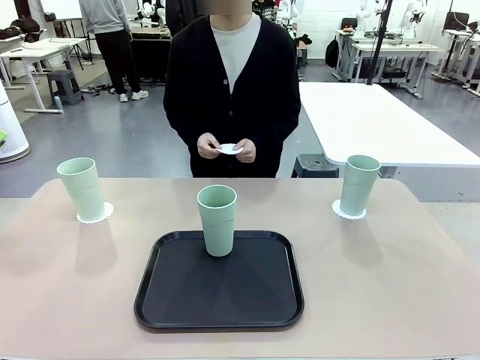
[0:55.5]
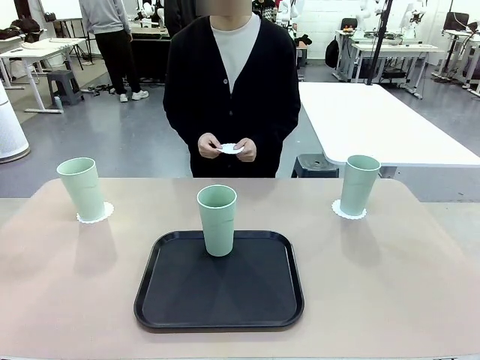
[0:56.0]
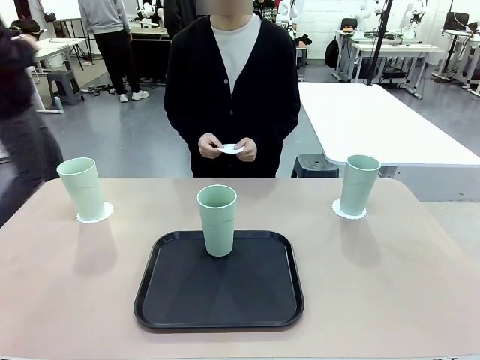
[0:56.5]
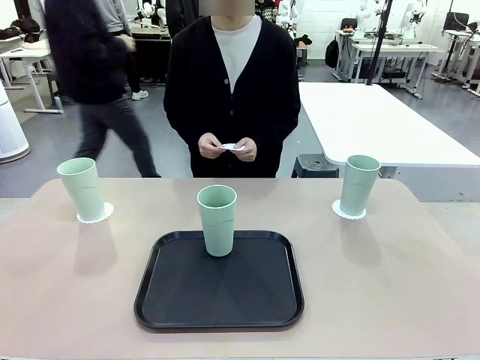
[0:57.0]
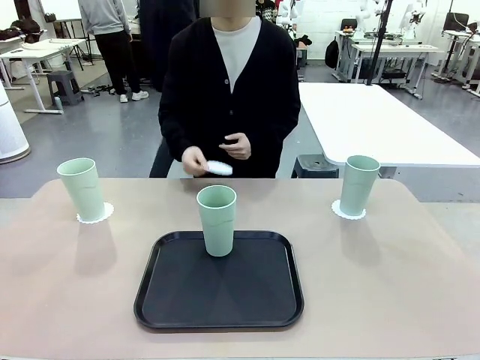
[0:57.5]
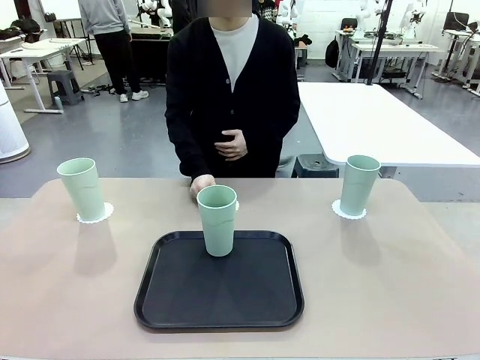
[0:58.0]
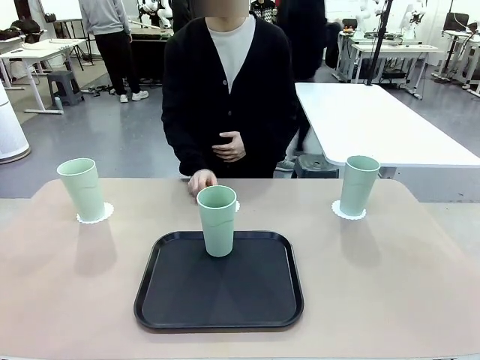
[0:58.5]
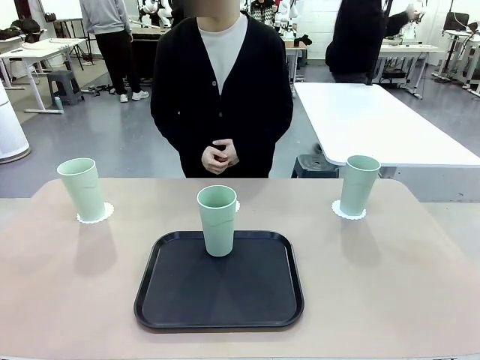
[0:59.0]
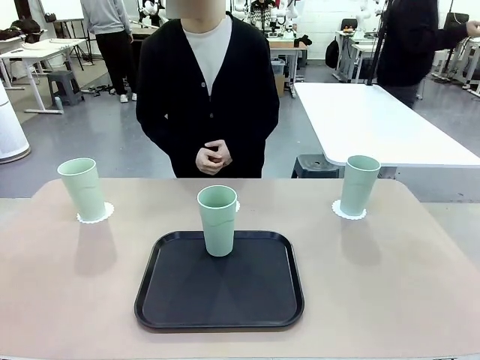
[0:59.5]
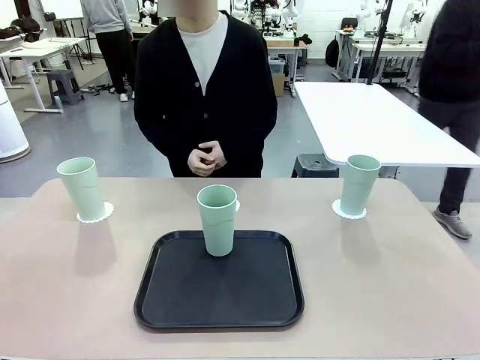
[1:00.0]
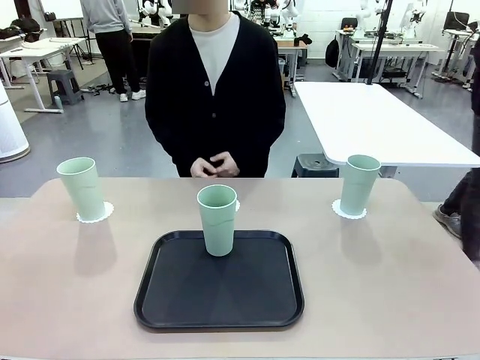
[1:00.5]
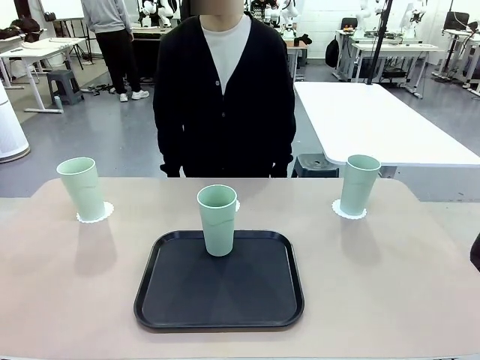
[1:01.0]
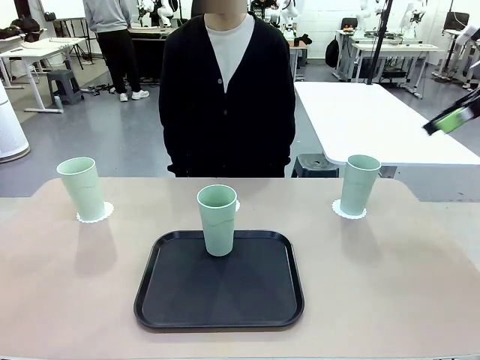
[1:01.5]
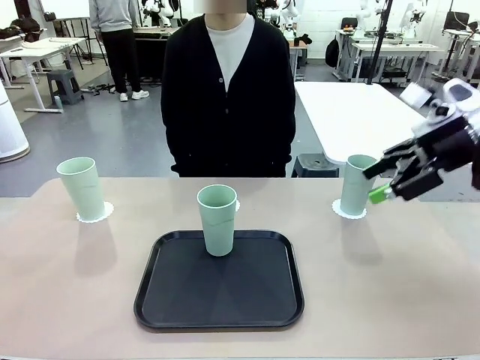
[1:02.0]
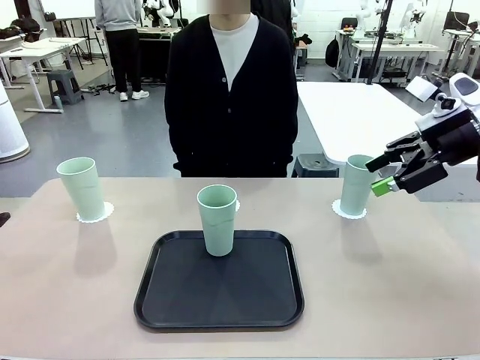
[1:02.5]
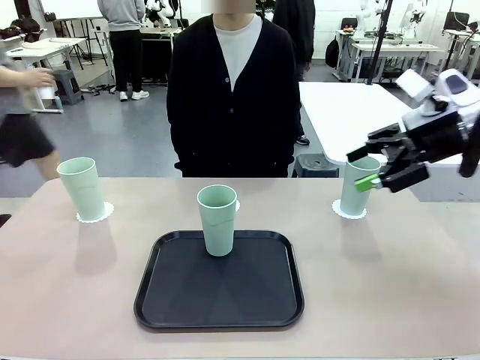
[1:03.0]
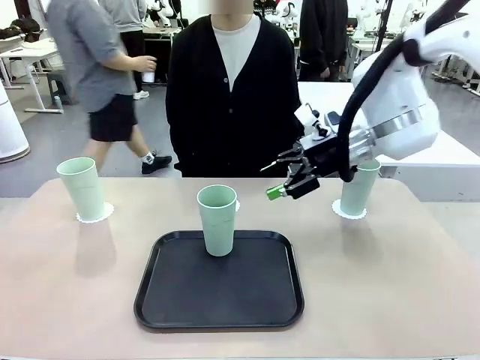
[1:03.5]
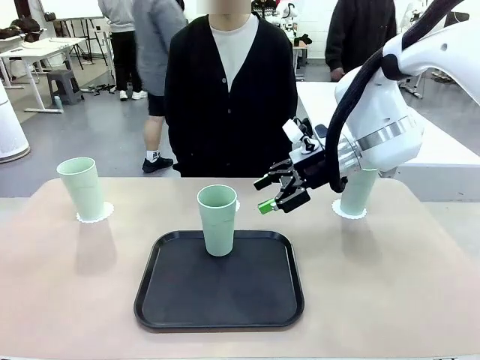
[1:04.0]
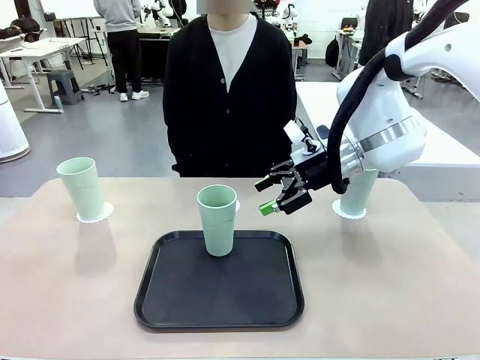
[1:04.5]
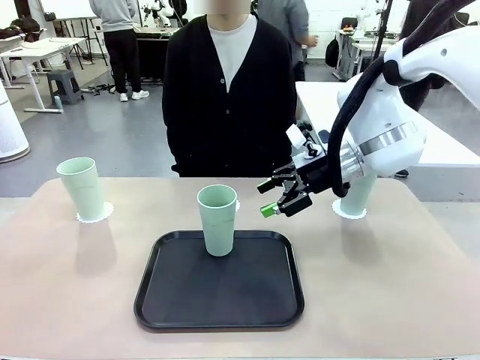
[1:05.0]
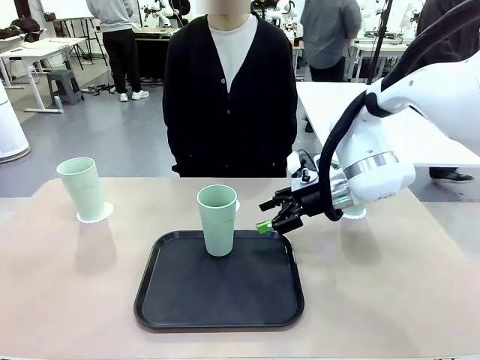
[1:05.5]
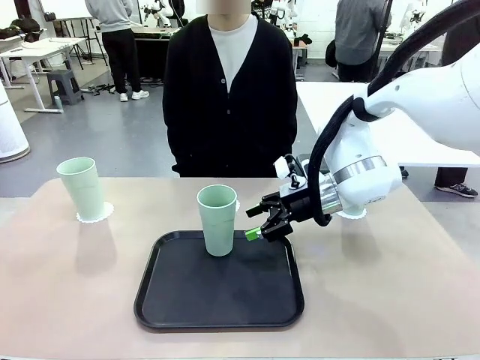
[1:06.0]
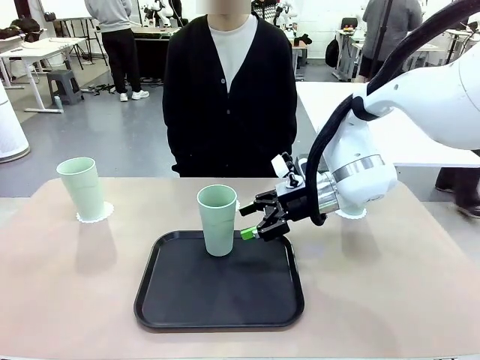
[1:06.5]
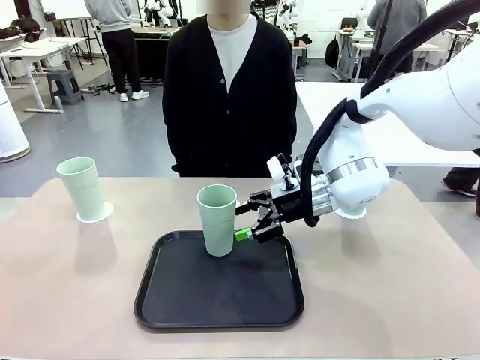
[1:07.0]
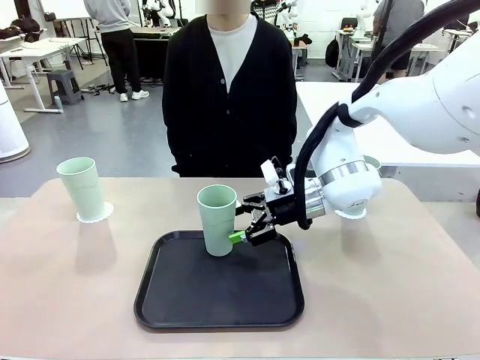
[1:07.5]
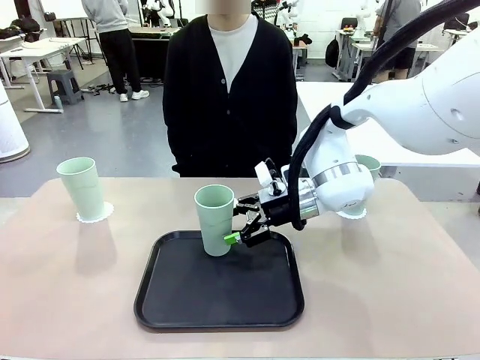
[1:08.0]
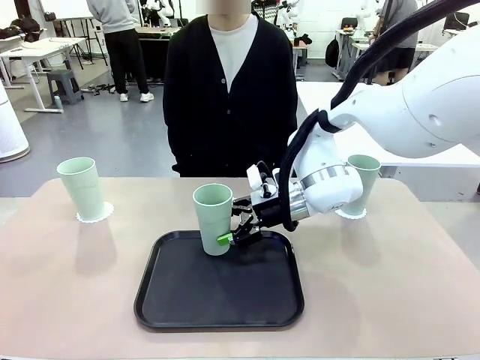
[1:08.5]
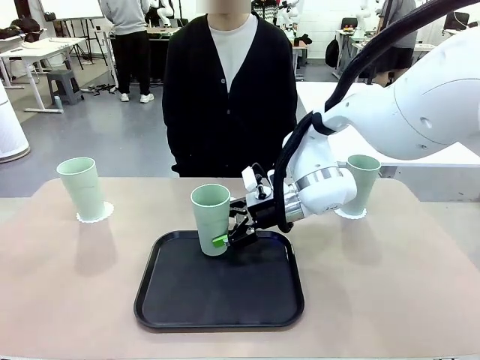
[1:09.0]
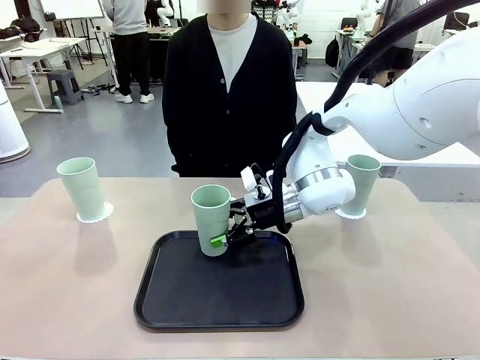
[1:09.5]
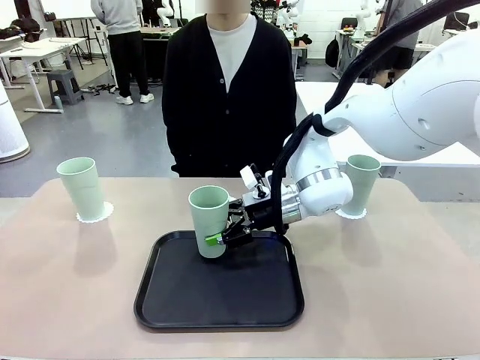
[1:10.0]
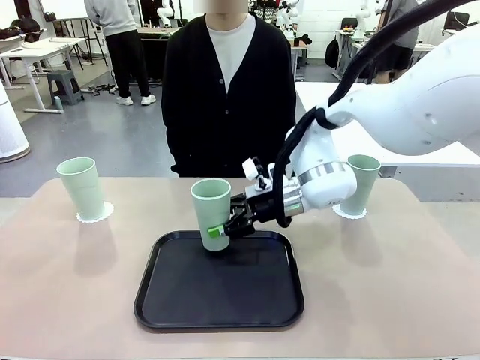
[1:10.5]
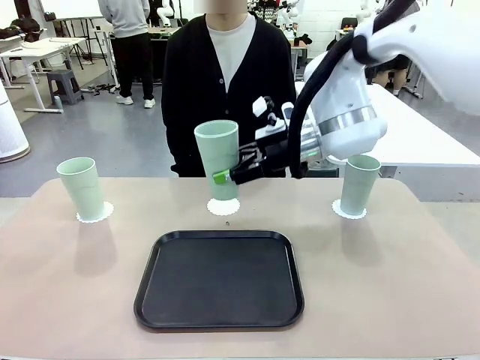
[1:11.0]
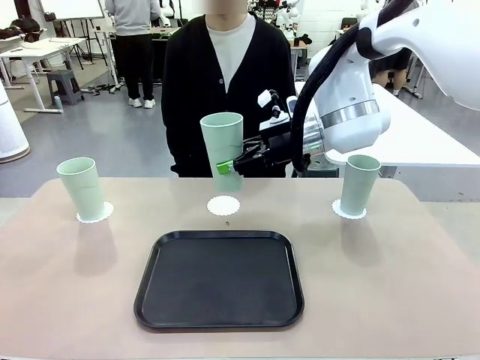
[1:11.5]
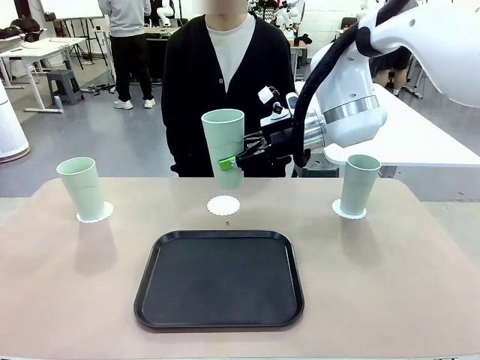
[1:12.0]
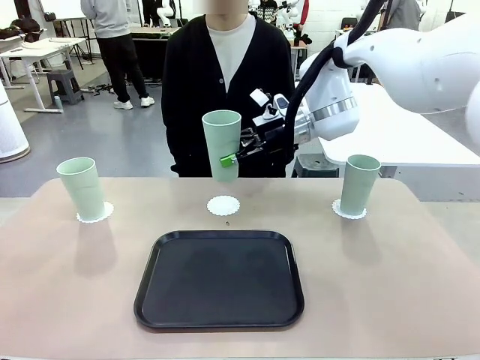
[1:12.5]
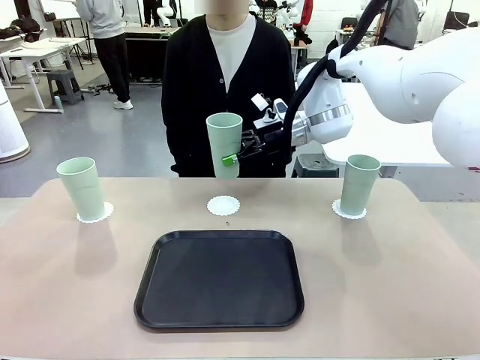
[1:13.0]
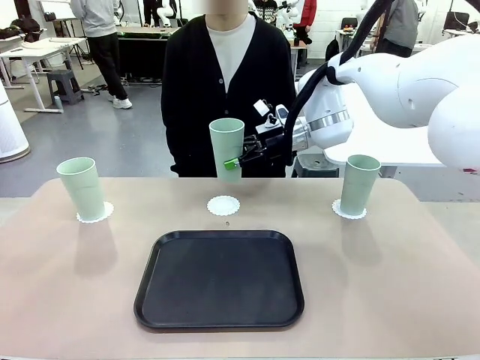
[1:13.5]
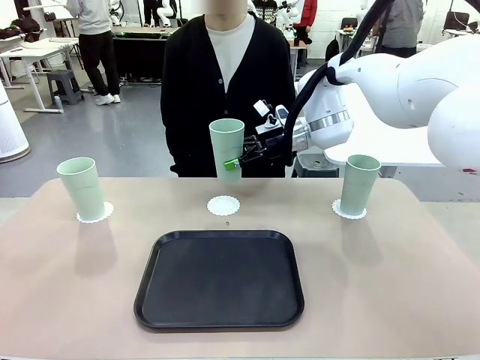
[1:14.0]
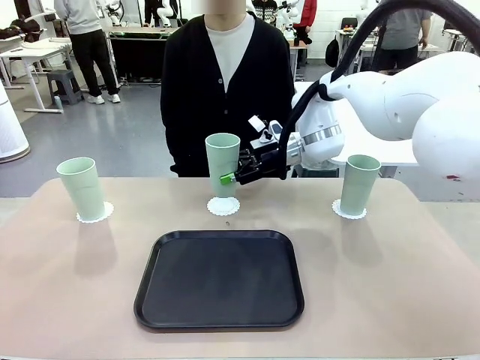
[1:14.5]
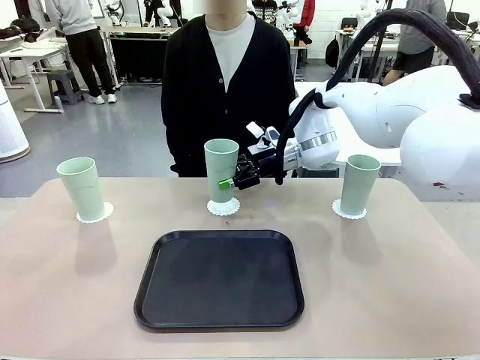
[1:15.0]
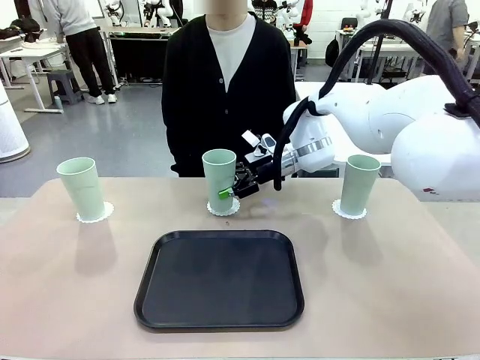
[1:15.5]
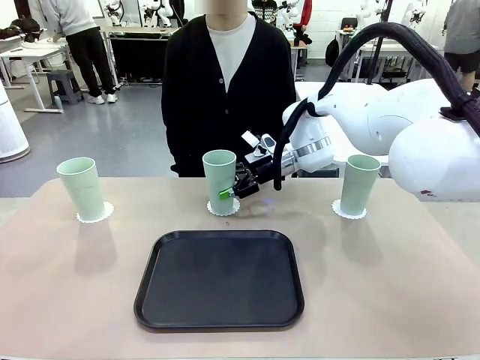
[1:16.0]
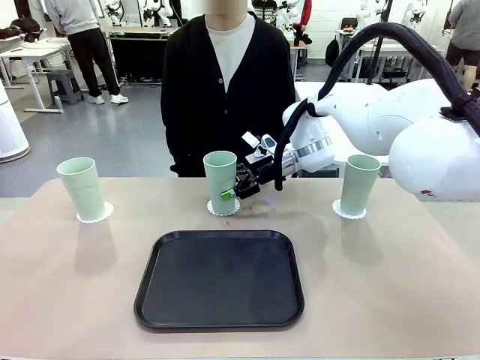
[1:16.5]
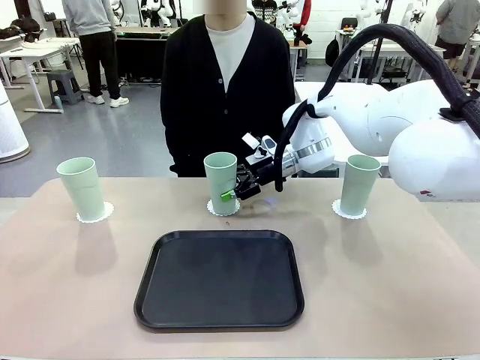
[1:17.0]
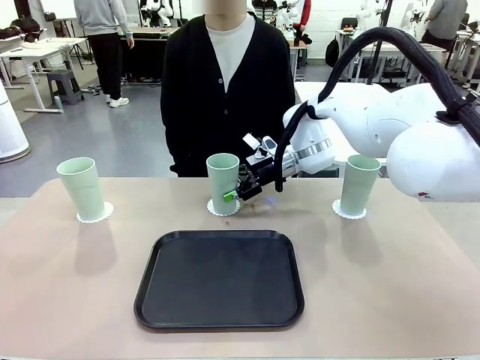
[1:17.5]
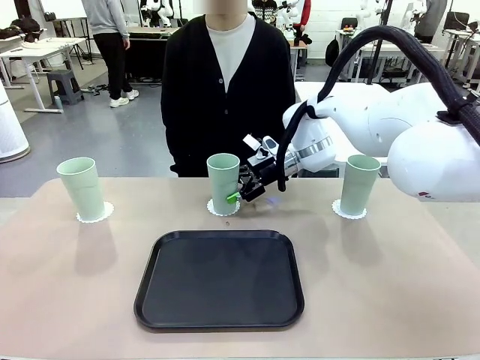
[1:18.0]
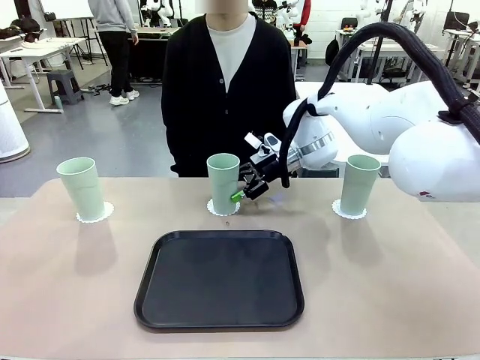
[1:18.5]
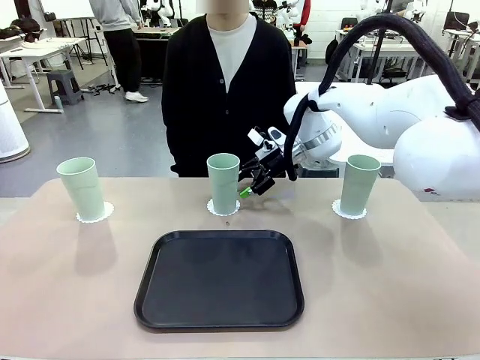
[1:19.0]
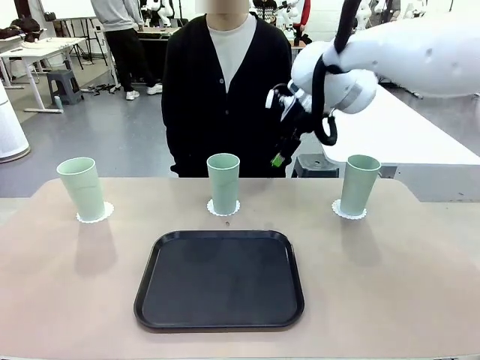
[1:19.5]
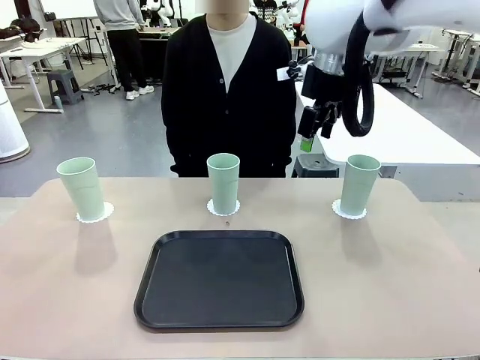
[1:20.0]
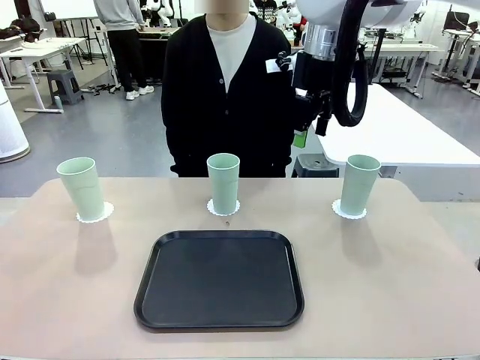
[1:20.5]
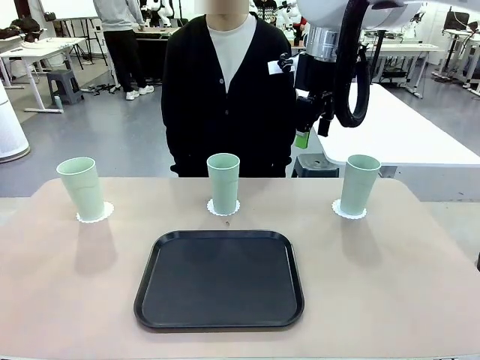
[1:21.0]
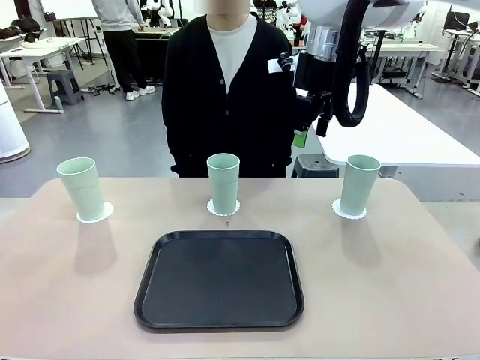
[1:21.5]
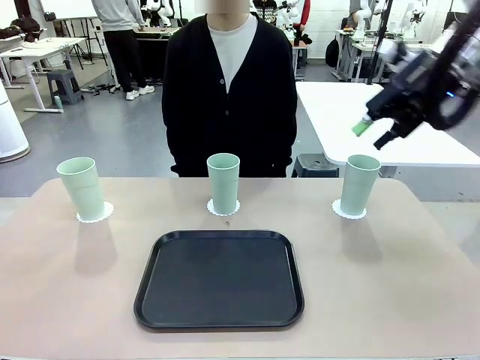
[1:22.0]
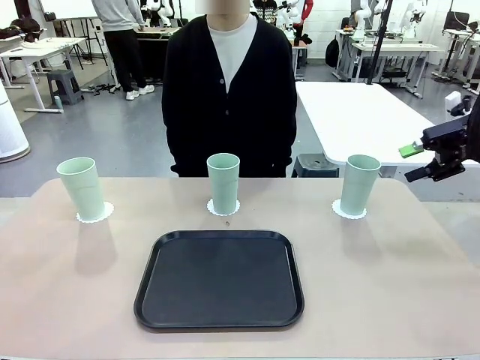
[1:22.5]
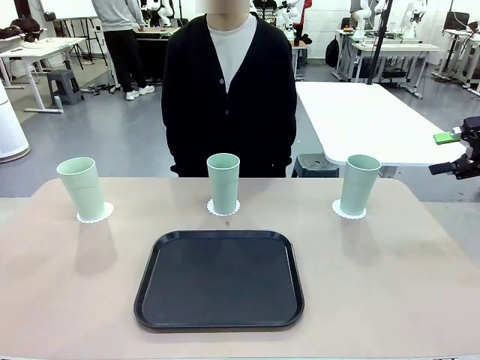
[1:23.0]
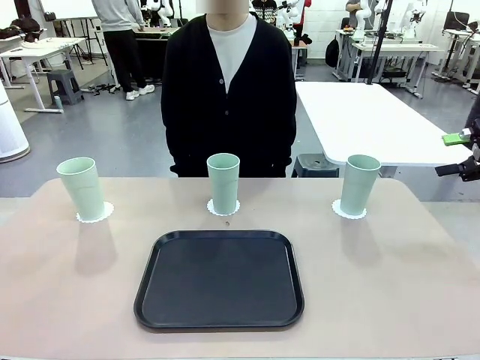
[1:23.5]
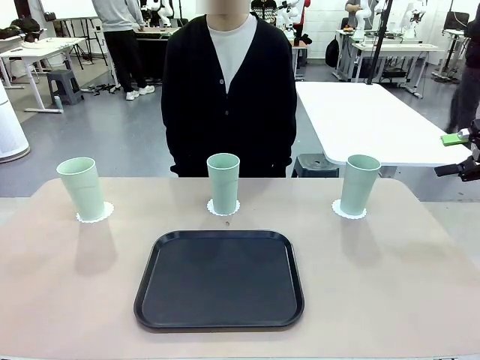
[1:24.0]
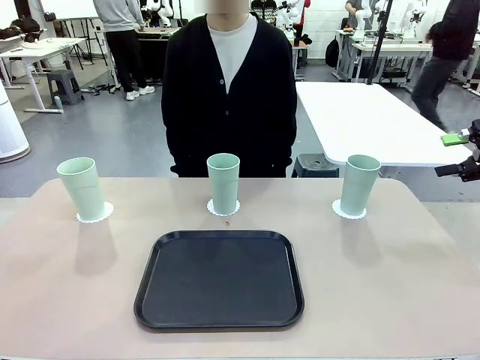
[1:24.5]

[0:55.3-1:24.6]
Task: Place coasters on the table and set cups on them.
Robot: Take one Reusable plastic cup from the Flat Tray and place it on a coaster set by the human.
Person: Place one coaster in the only remaining area.
